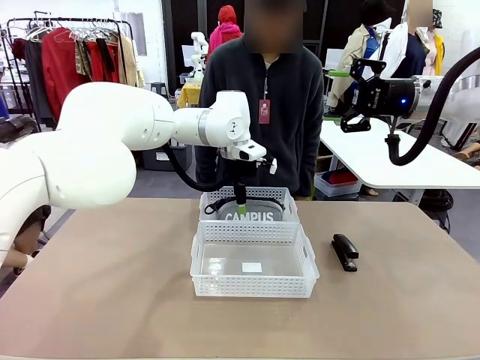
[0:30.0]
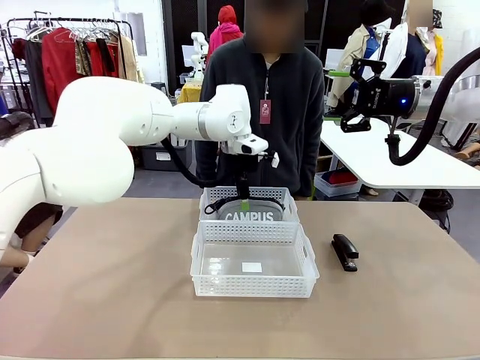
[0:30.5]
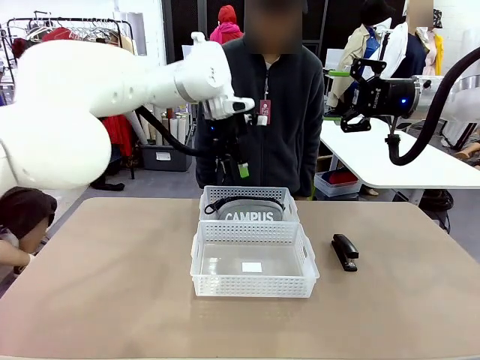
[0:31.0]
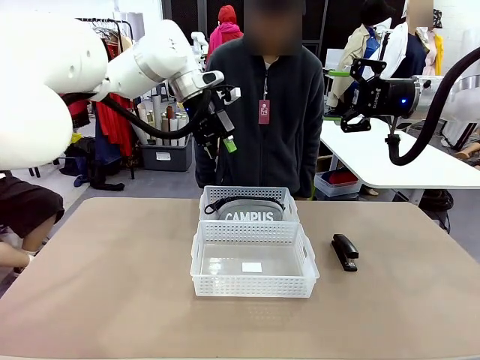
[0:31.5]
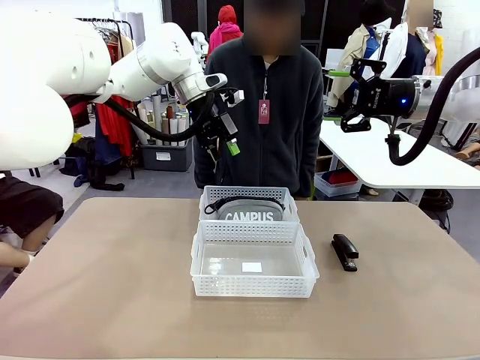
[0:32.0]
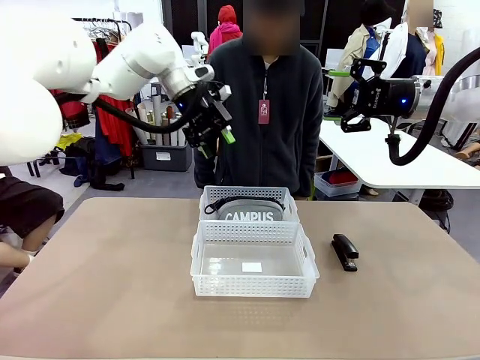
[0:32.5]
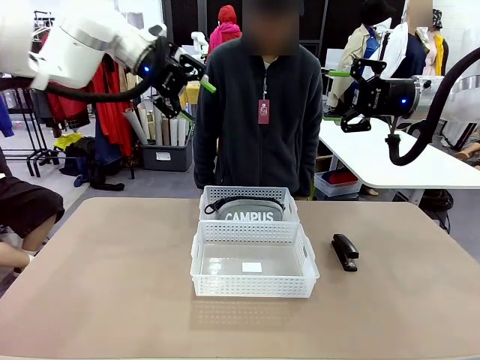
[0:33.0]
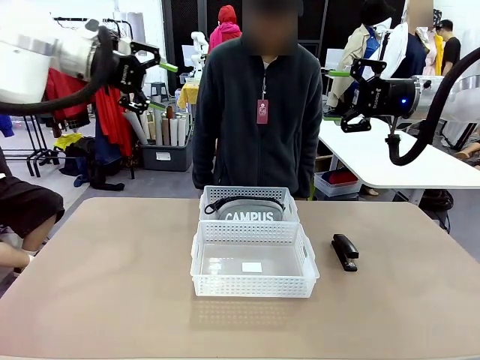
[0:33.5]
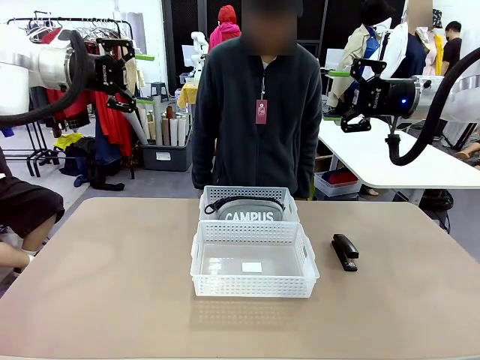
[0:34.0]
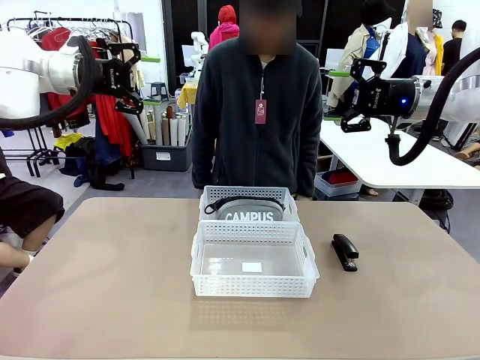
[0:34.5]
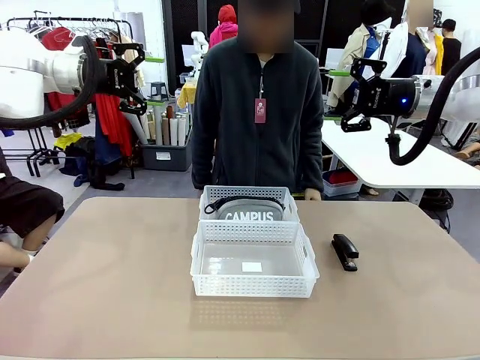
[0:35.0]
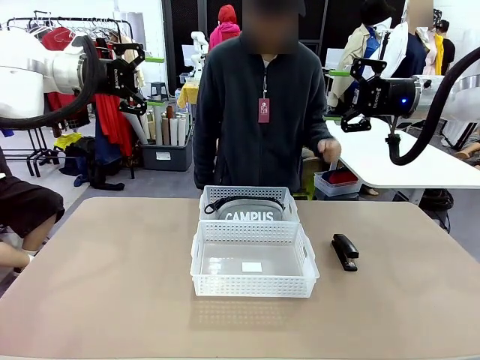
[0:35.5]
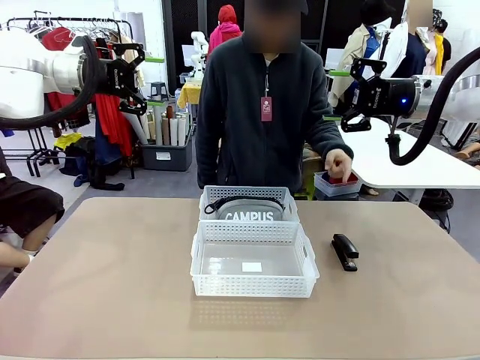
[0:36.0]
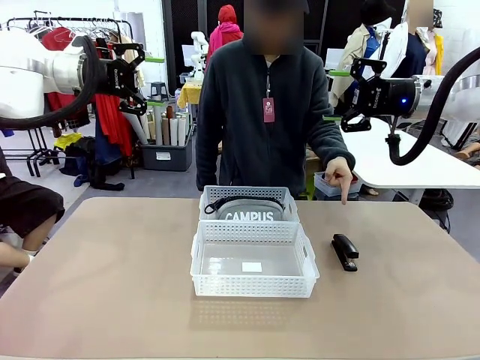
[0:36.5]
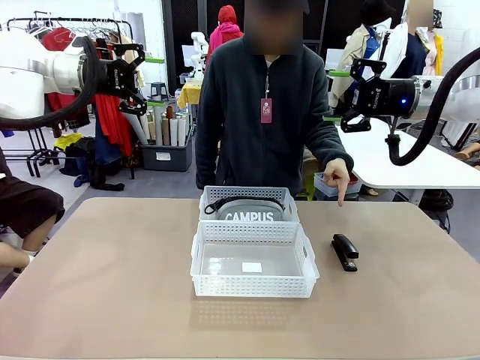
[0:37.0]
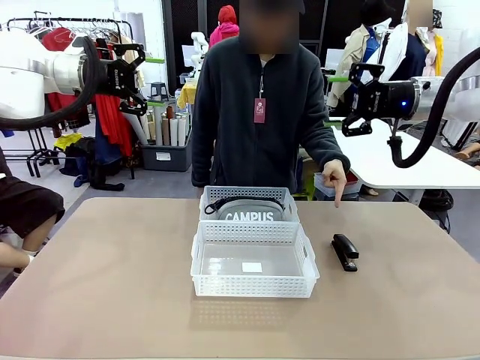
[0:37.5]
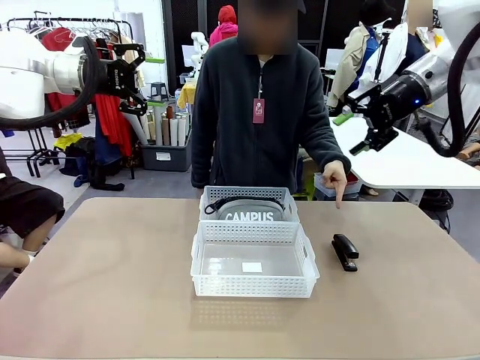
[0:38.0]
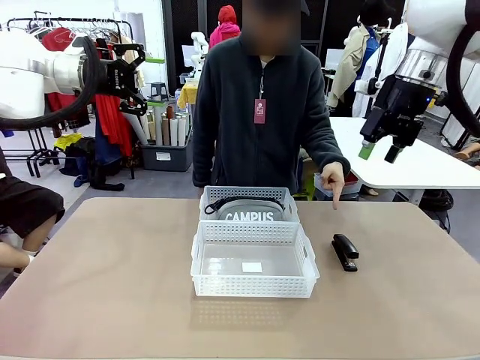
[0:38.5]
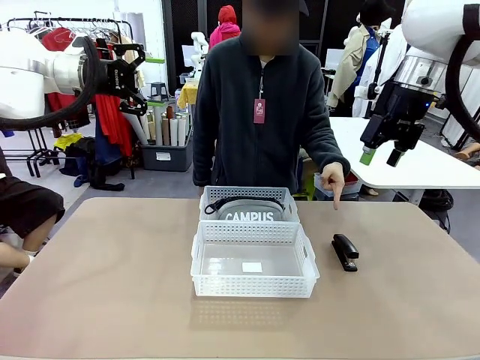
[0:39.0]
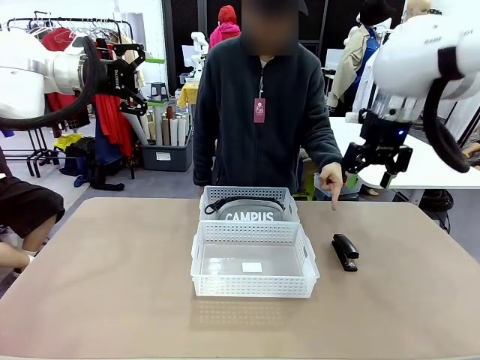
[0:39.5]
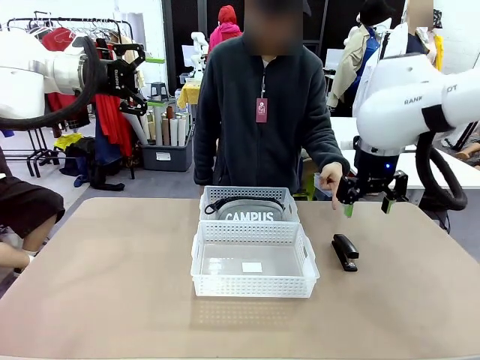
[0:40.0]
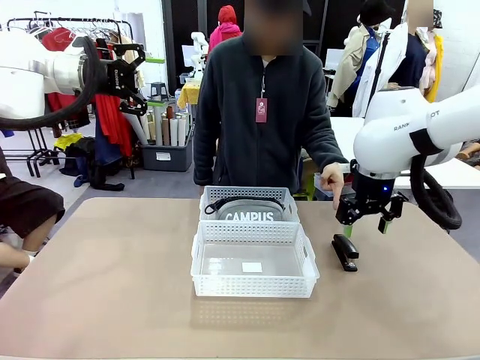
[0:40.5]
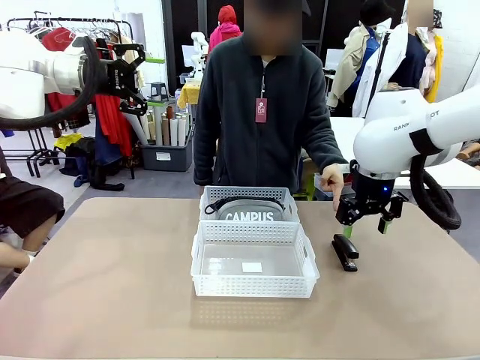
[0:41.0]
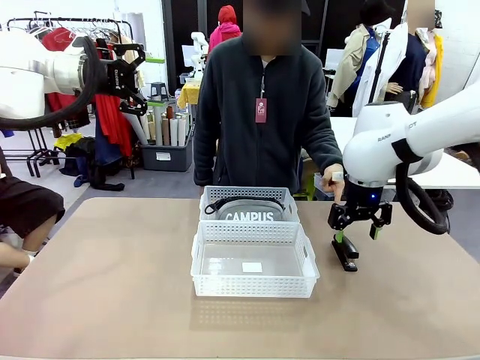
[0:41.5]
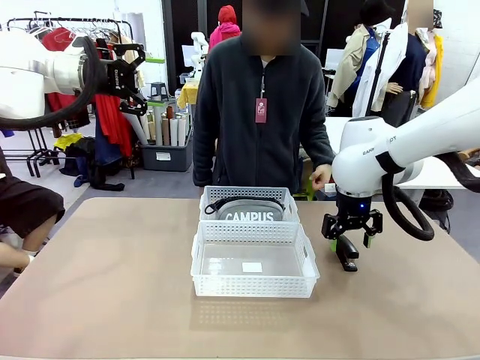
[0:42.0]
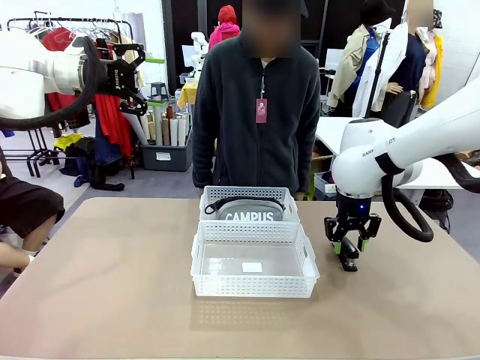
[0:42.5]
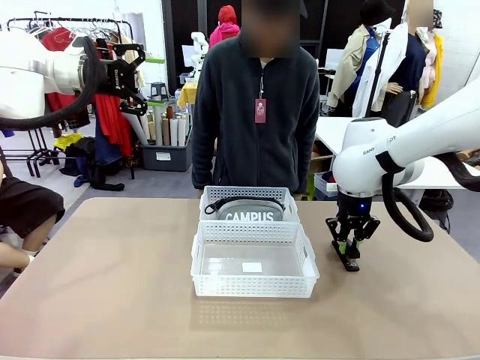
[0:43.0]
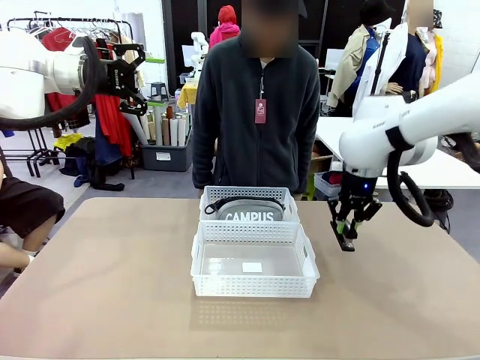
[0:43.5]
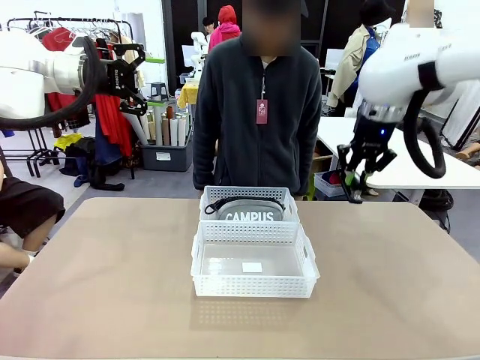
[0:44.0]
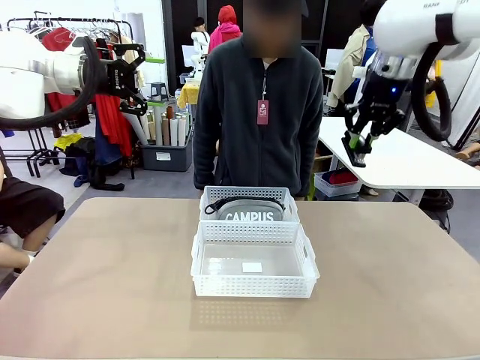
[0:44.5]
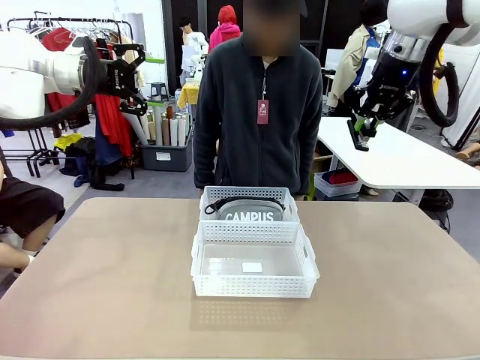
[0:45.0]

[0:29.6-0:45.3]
Task: Distribute items into two baskets.
Robot: Pick up the Stapler that the person points to.
Person: Points to the stapler.

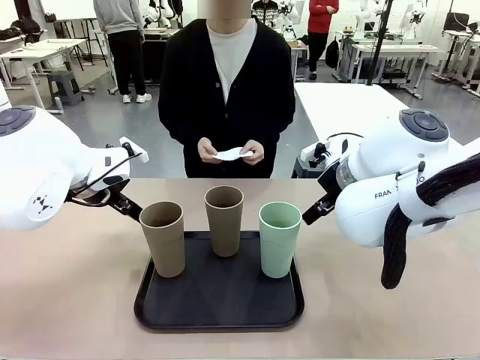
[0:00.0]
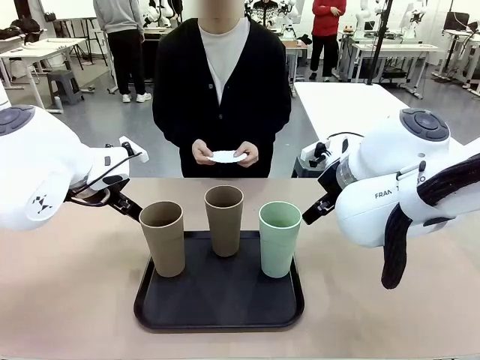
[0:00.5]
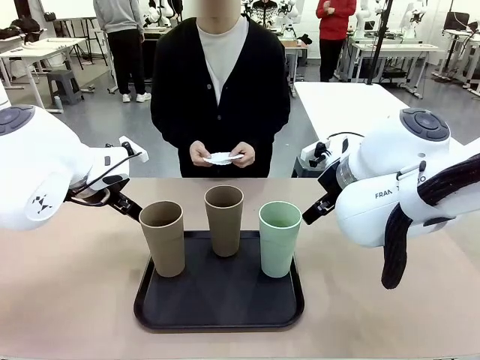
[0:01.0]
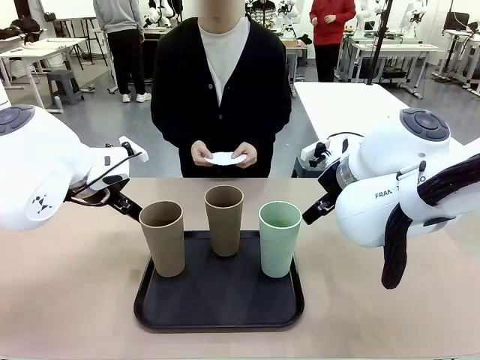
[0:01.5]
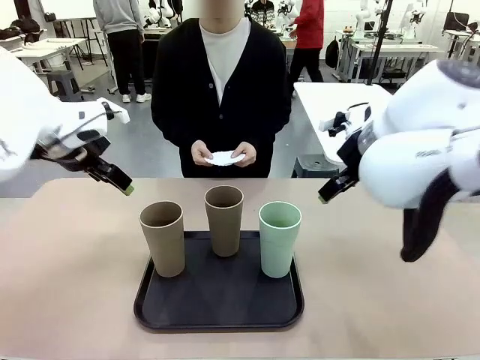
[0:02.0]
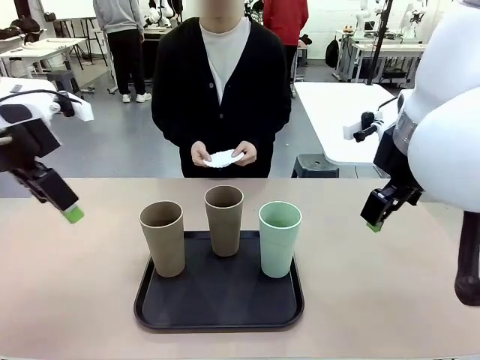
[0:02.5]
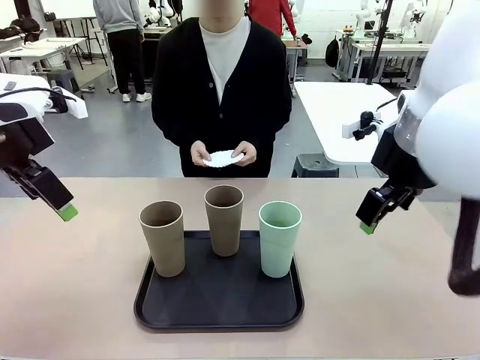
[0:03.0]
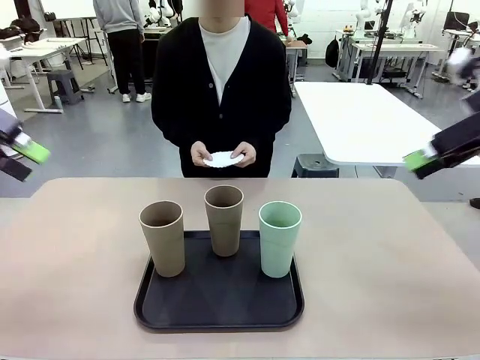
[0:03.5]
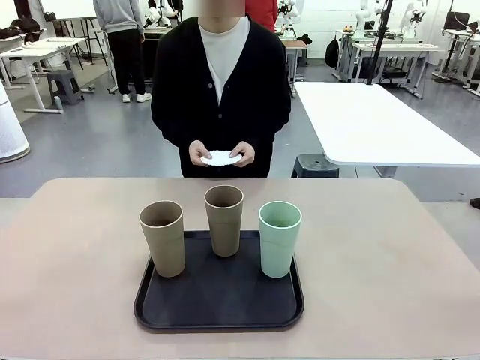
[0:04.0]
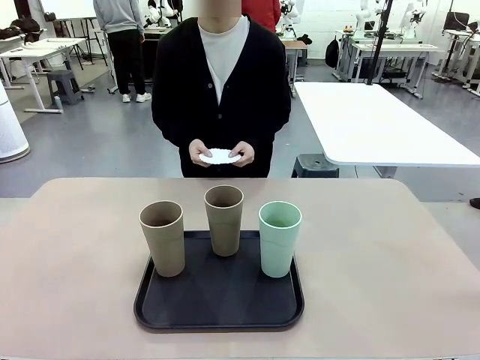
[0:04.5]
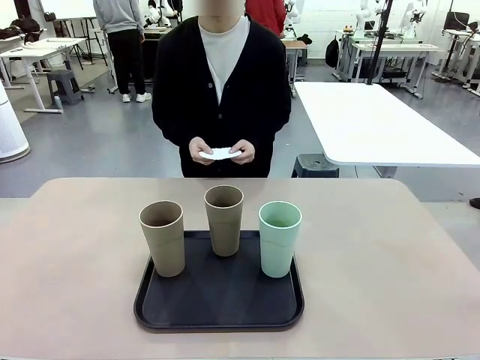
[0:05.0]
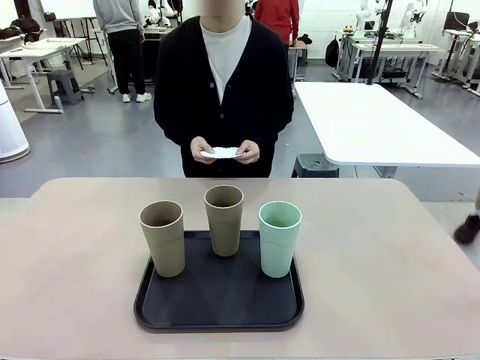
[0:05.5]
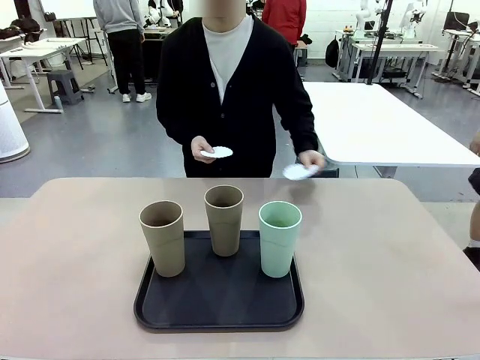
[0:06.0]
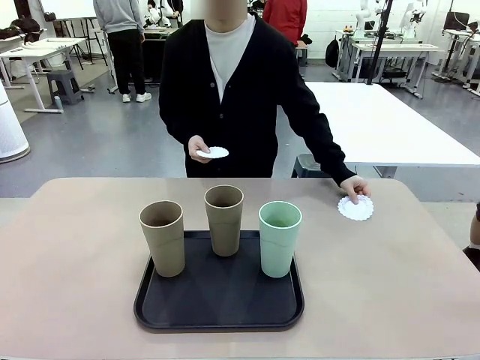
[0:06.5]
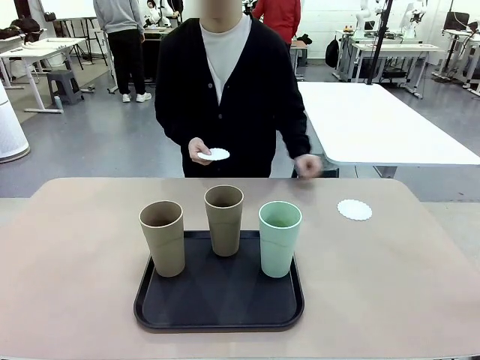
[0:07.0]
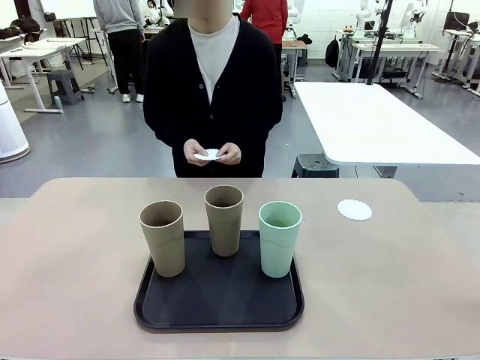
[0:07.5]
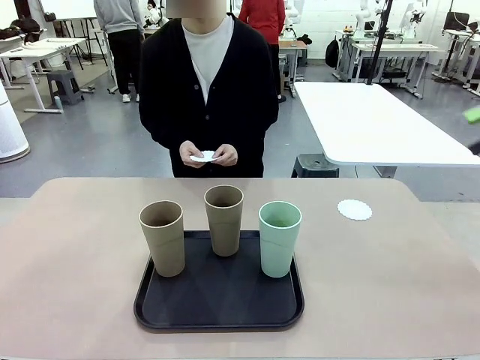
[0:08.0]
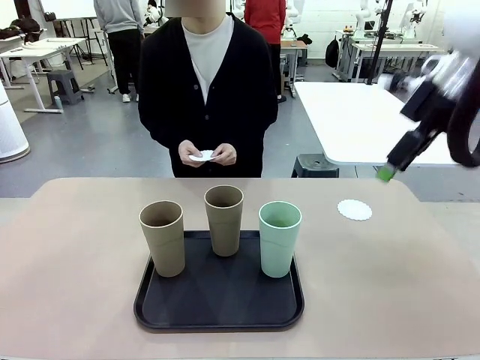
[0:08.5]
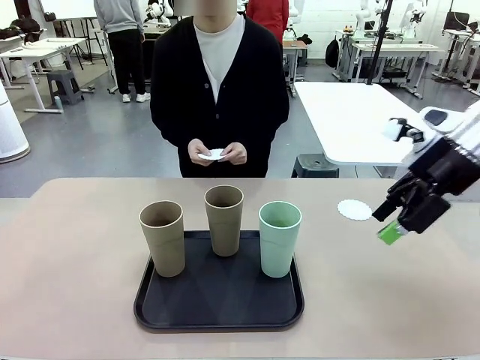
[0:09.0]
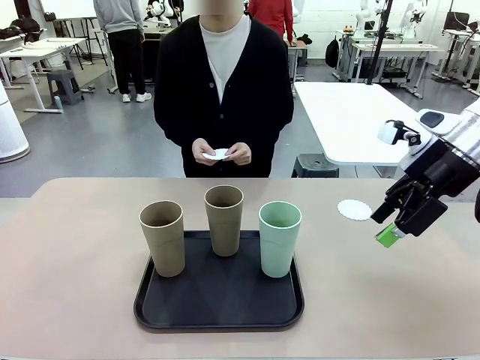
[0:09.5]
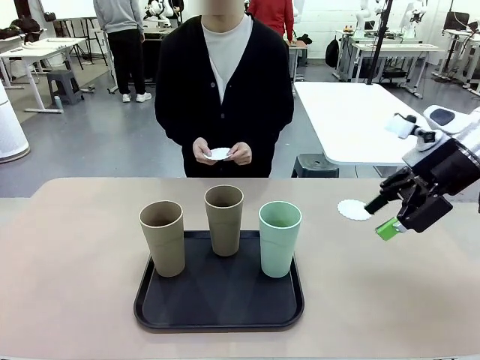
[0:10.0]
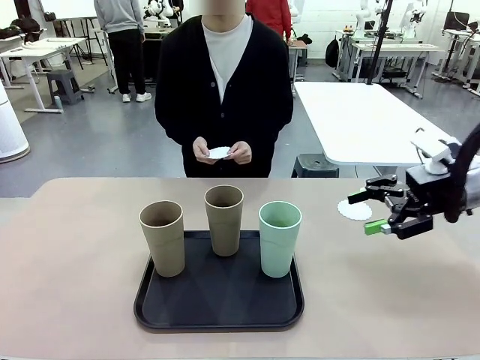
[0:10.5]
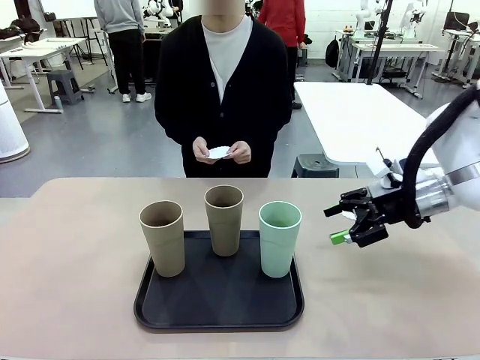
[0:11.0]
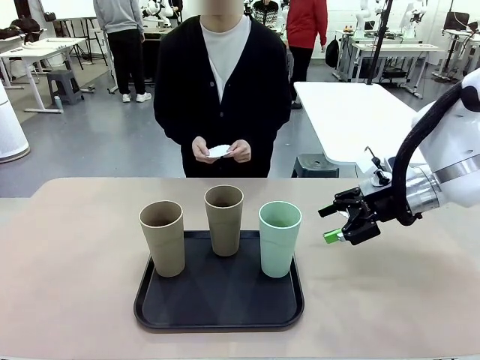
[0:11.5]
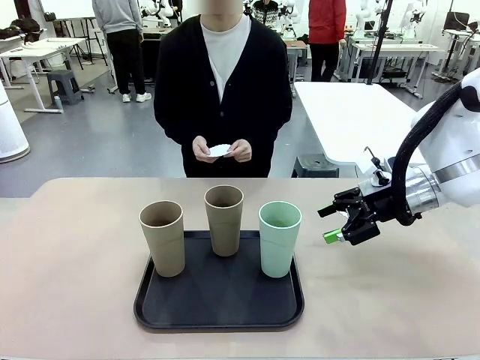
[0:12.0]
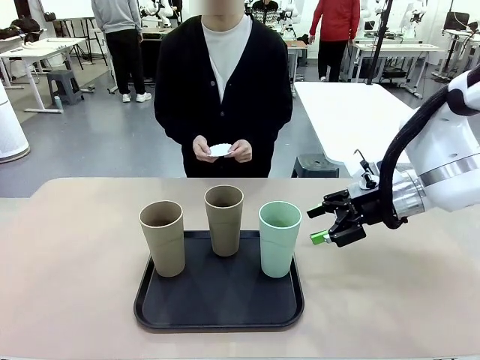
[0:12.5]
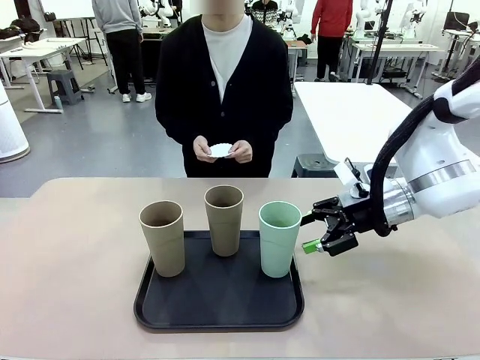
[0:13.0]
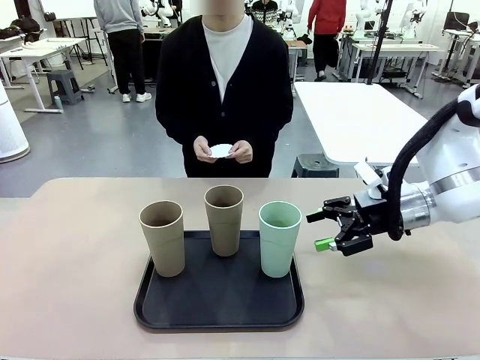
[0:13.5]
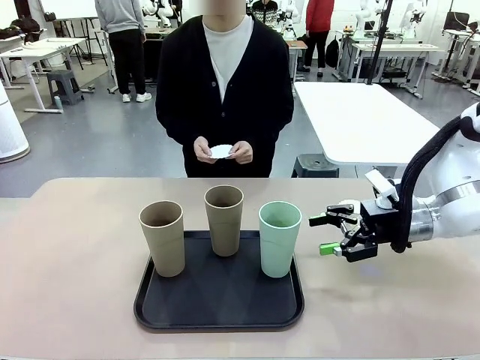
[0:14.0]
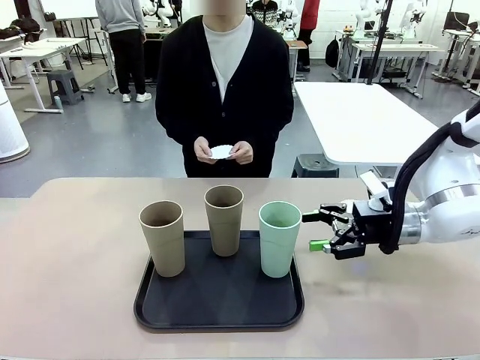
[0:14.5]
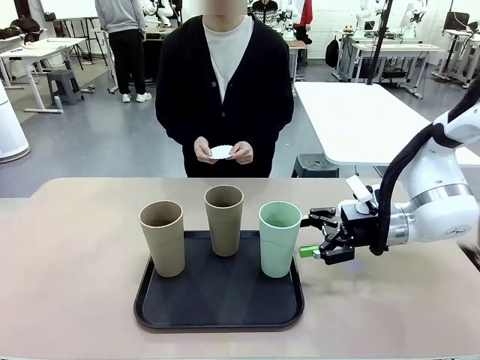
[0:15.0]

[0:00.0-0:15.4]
Task: Place coasters on the table and set cups on them.
Robot: Pick up one Reusable plastic cup and place it on a coaster set by the human.
Person: Place one coaster in any one of the three lower areas of the robot table (left, center, or right).
